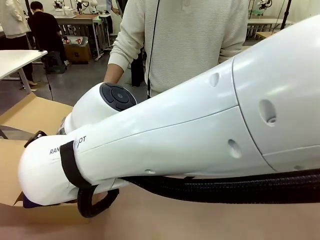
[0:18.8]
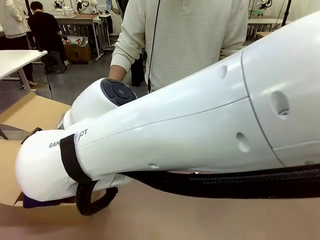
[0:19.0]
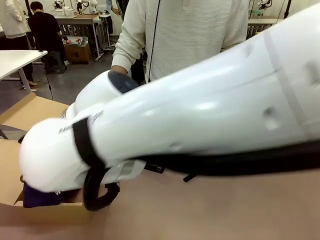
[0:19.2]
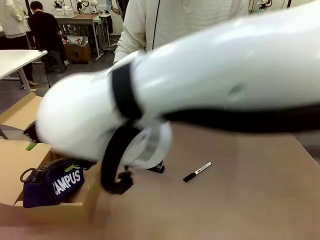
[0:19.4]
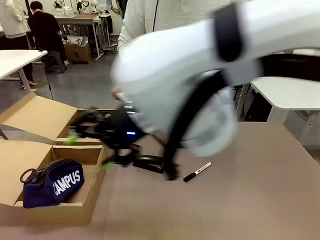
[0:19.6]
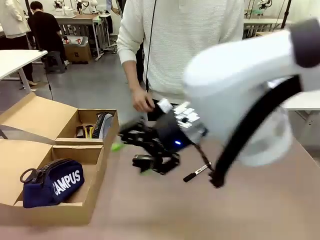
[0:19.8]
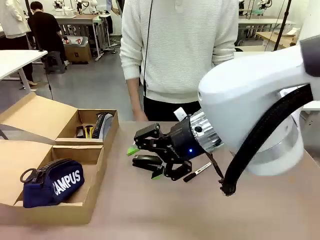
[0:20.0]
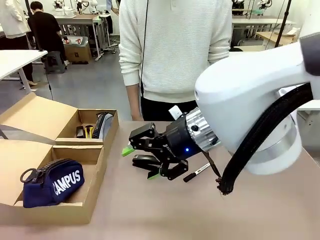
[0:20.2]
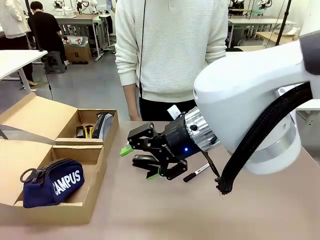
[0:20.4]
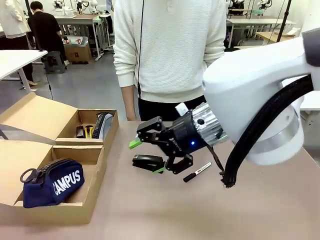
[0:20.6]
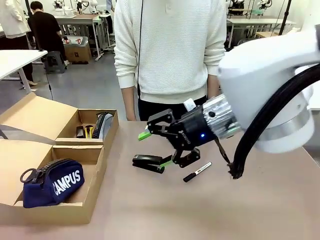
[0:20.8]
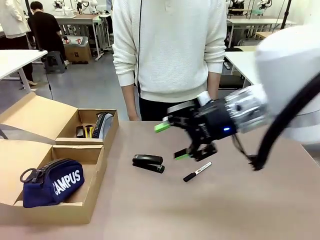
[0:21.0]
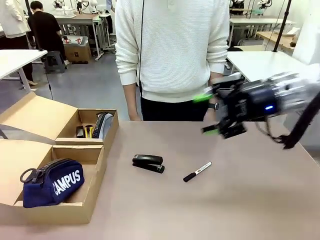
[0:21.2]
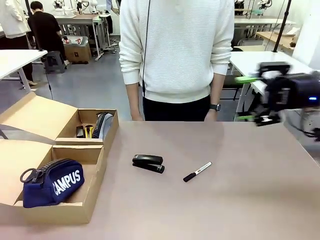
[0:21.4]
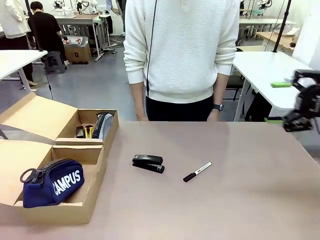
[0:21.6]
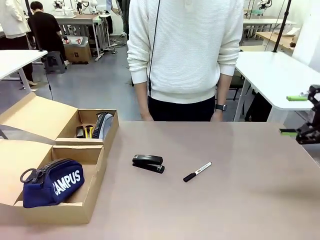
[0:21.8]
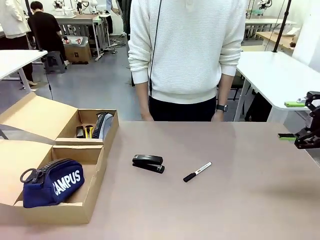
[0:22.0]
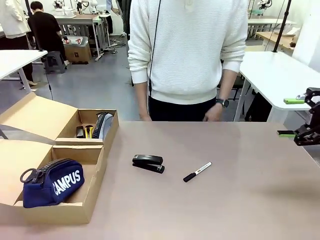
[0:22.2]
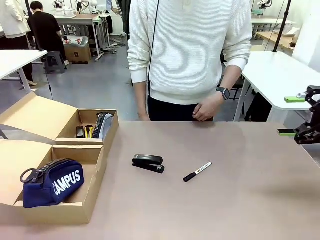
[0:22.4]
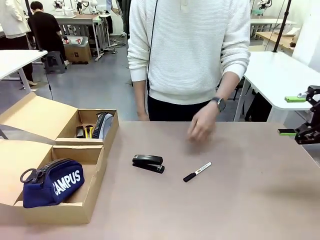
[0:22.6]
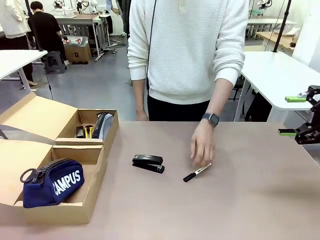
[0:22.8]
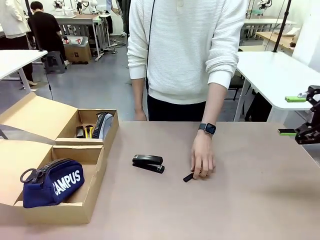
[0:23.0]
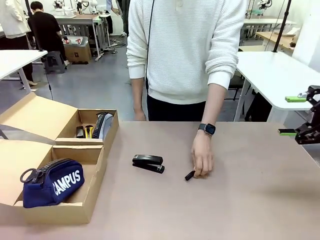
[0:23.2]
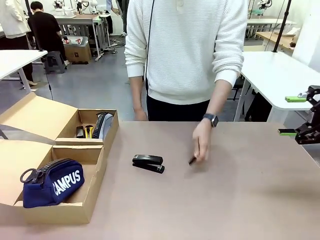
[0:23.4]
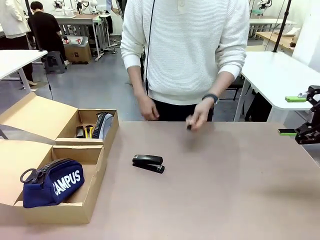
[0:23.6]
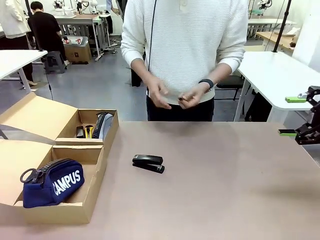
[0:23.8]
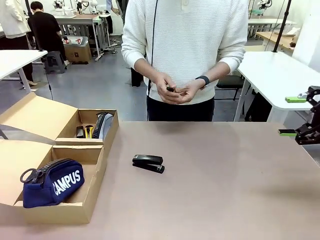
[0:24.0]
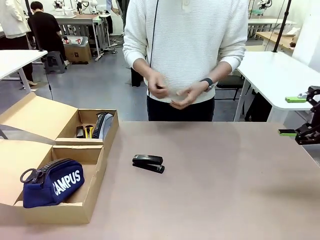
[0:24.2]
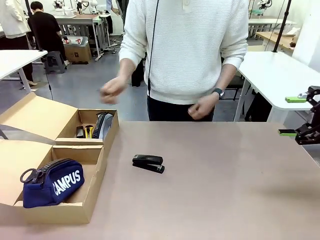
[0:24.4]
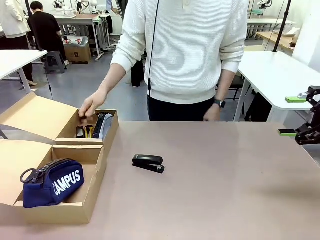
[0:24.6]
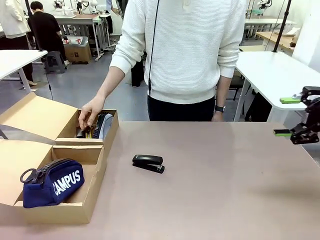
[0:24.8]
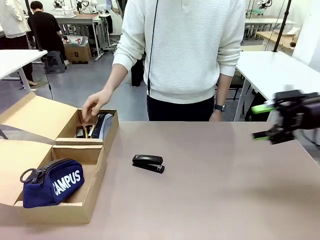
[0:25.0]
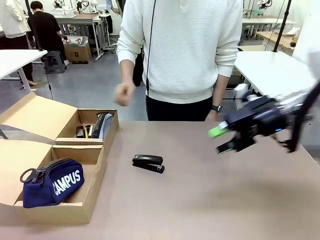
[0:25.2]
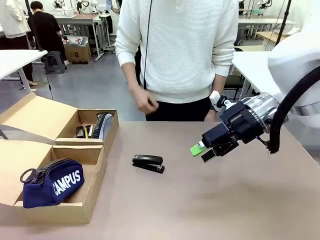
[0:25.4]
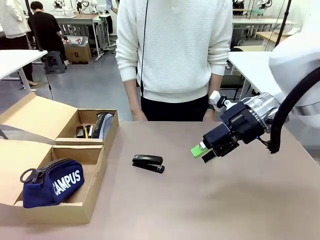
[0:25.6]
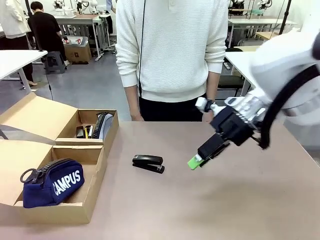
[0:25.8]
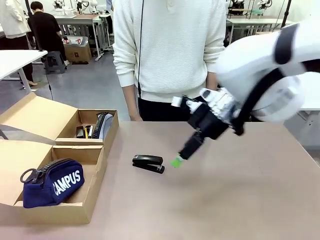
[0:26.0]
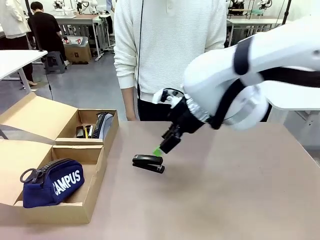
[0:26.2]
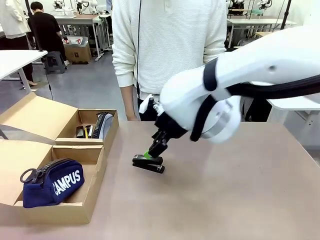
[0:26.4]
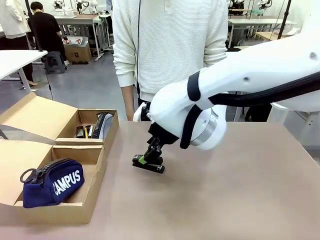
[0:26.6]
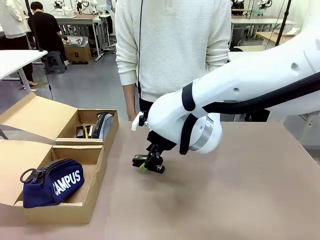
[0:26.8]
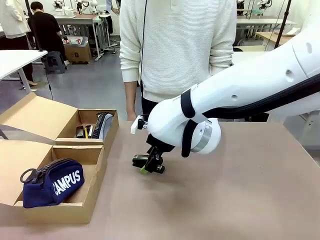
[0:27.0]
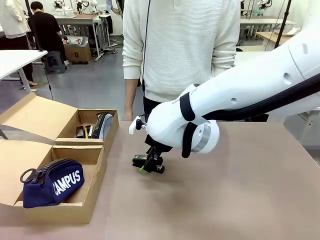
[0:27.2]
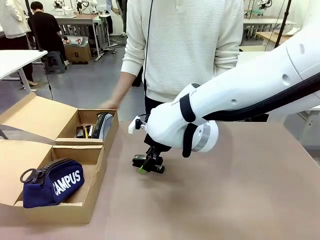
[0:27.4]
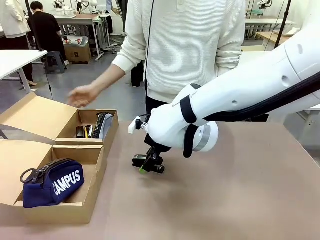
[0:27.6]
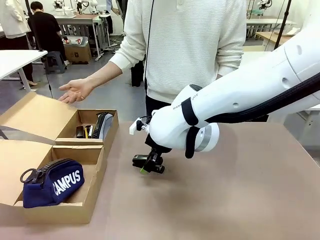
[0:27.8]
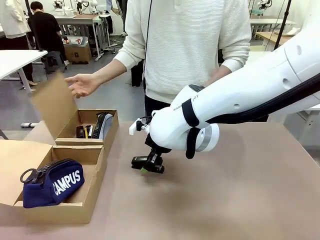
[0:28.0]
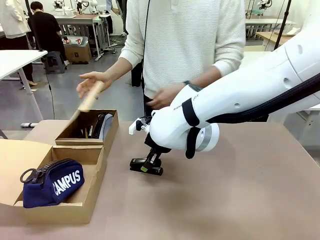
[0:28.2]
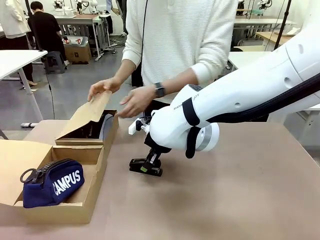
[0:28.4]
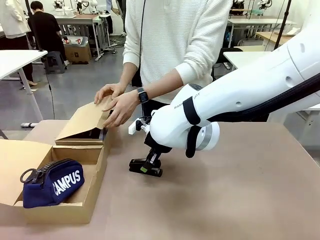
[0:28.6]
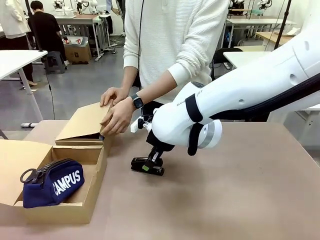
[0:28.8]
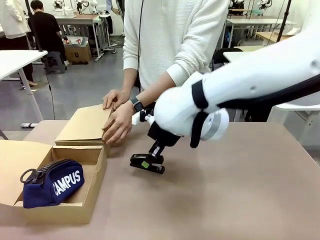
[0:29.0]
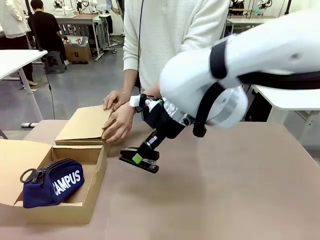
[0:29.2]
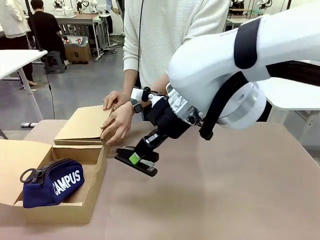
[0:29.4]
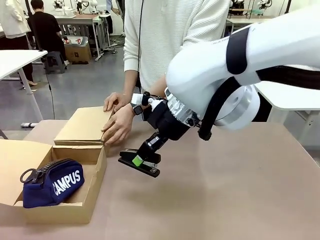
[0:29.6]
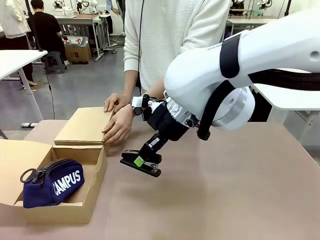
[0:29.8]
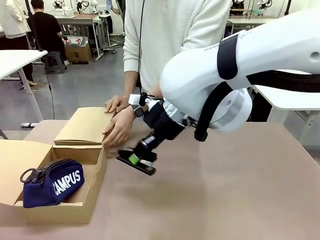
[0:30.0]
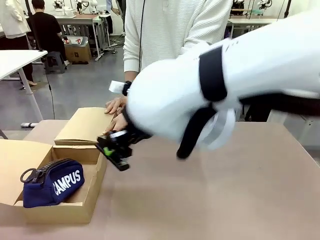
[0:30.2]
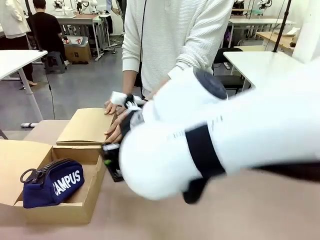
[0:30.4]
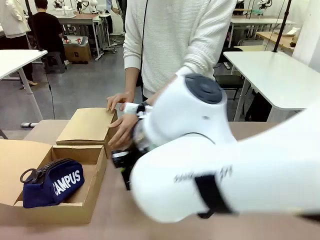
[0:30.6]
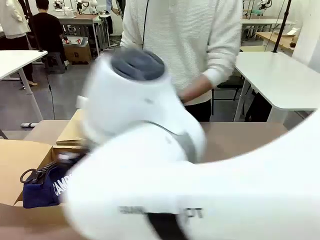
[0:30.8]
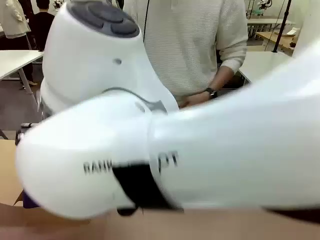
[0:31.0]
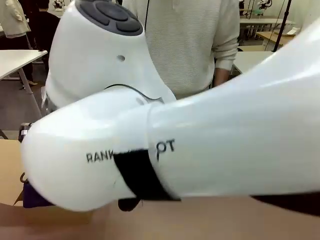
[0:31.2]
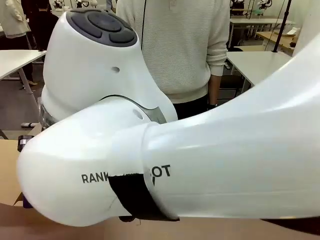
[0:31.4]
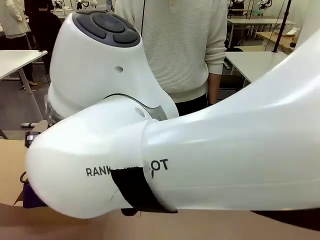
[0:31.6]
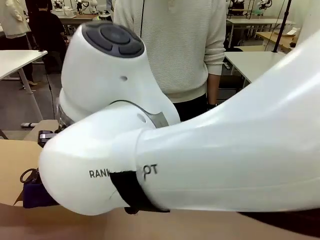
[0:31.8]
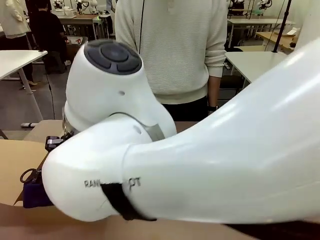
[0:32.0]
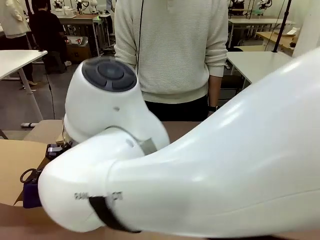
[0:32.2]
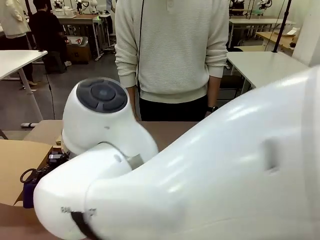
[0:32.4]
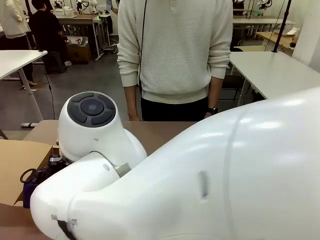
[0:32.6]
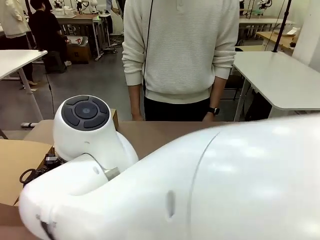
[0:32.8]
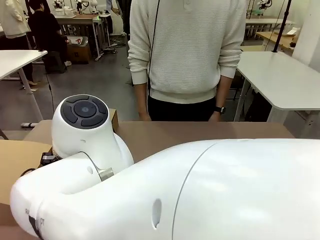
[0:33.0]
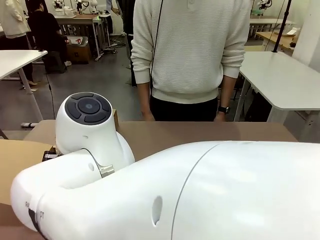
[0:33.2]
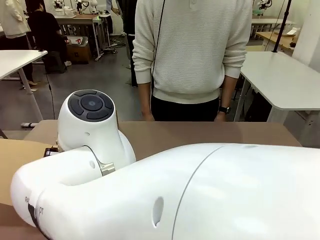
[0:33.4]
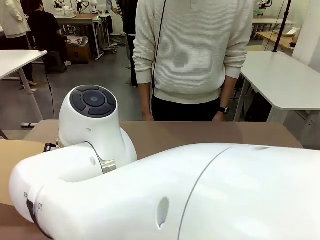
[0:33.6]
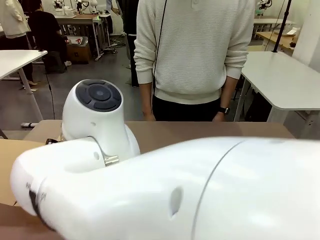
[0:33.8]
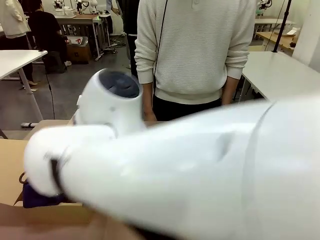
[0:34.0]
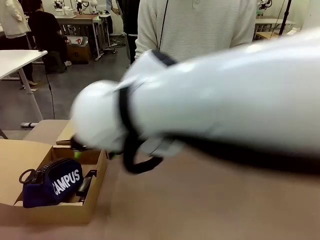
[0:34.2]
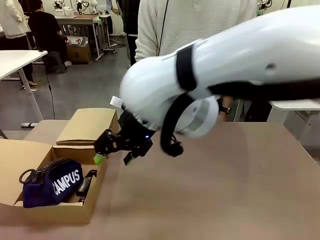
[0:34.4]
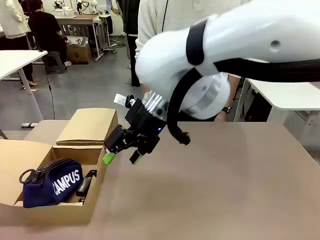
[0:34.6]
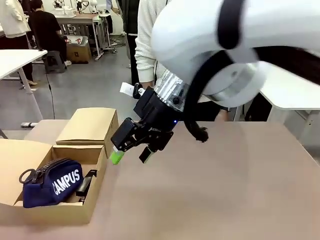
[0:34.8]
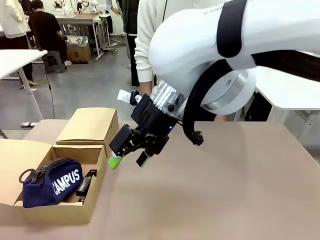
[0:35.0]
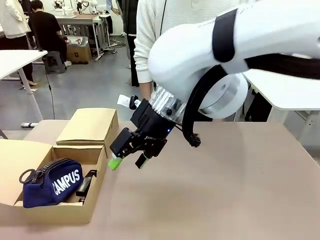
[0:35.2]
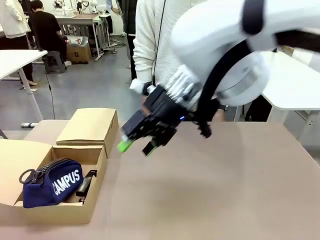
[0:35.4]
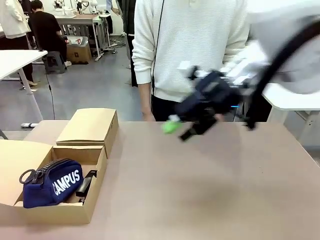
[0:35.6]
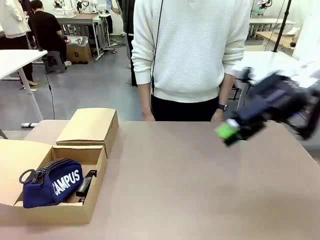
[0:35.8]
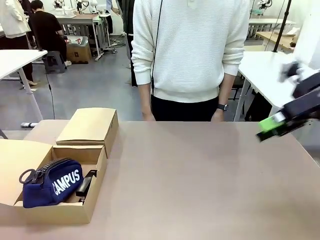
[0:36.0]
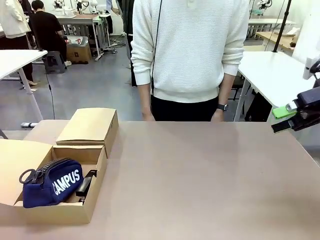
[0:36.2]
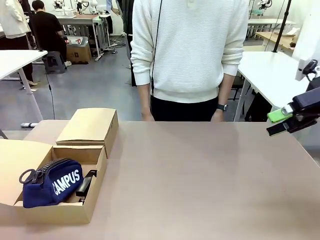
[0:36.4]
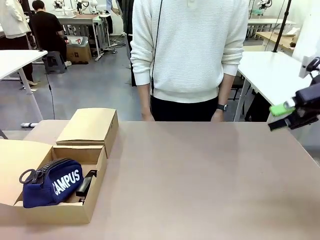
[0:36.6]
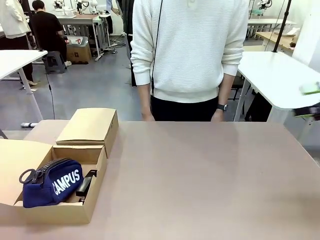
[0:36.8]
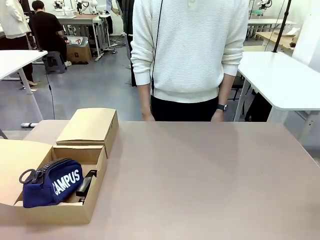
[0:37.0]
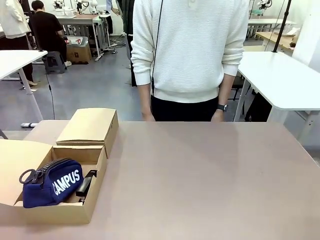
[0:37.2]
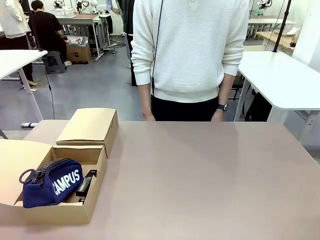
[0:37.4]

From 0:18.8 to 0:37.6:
Task: Place items inside the box.
Robot: Pick up a Pencil pouch or Stapler and place it inside the Mailer Box closest to the robot.
